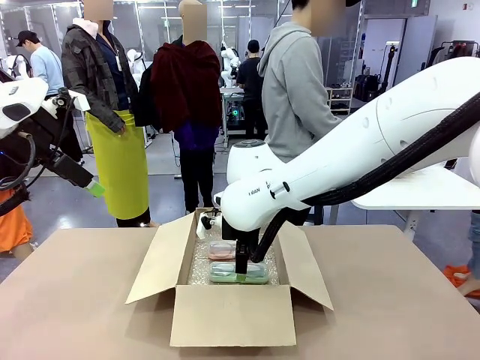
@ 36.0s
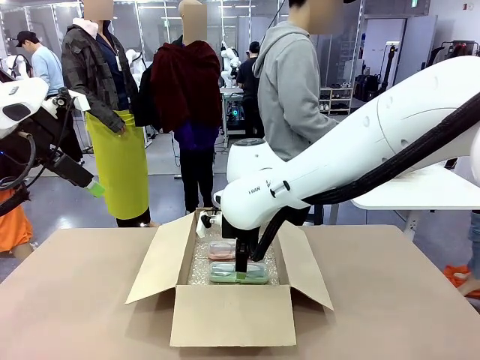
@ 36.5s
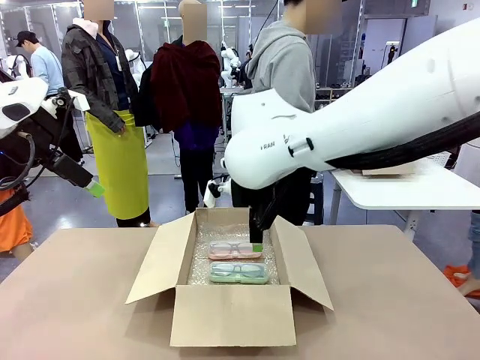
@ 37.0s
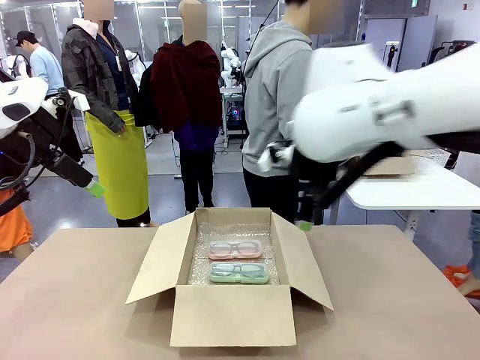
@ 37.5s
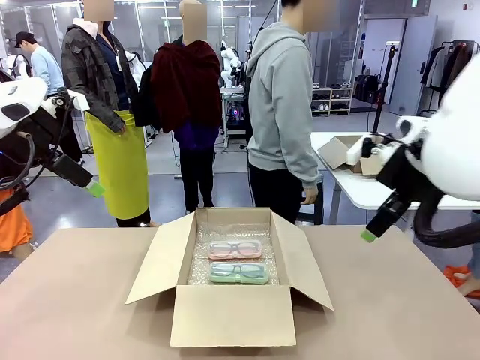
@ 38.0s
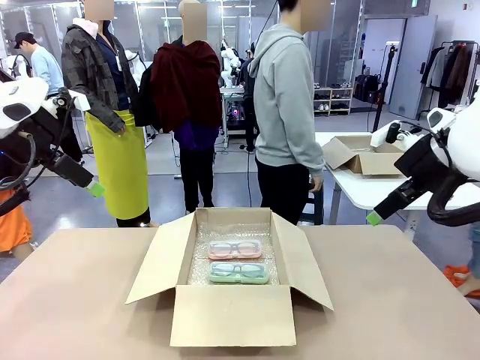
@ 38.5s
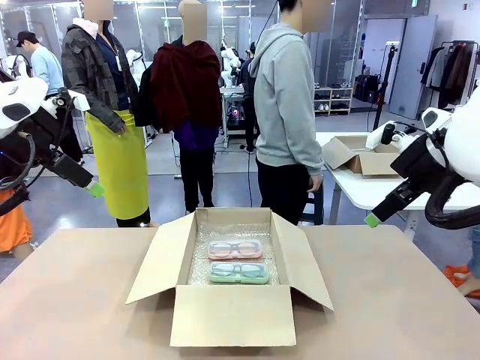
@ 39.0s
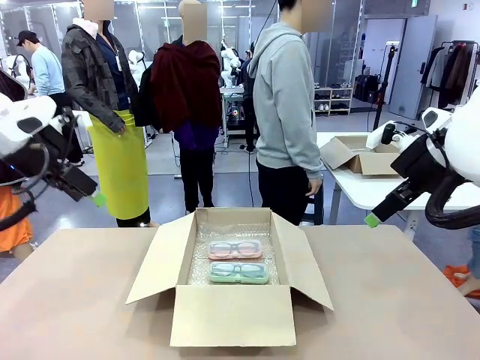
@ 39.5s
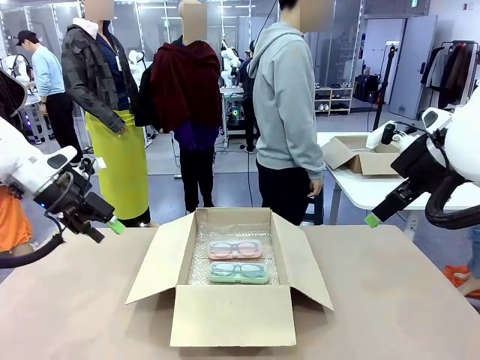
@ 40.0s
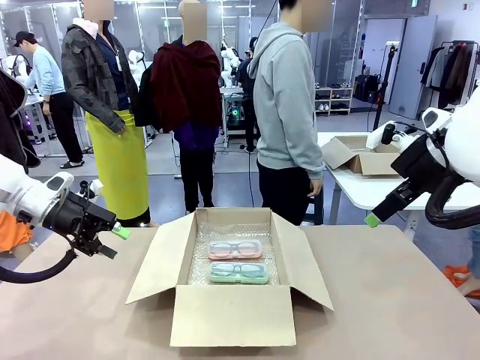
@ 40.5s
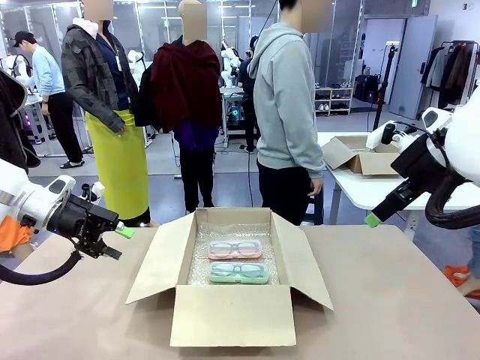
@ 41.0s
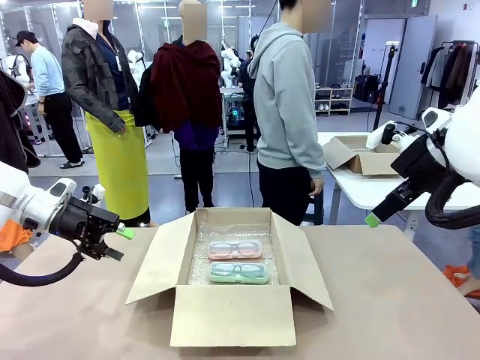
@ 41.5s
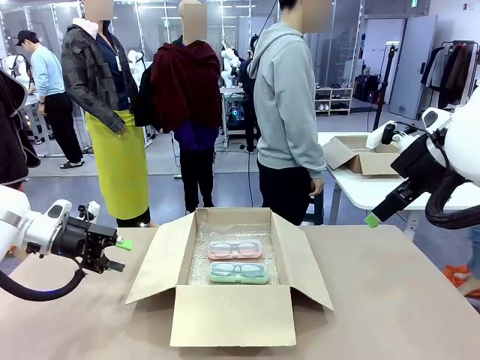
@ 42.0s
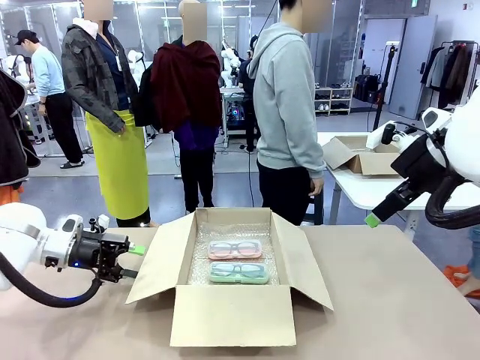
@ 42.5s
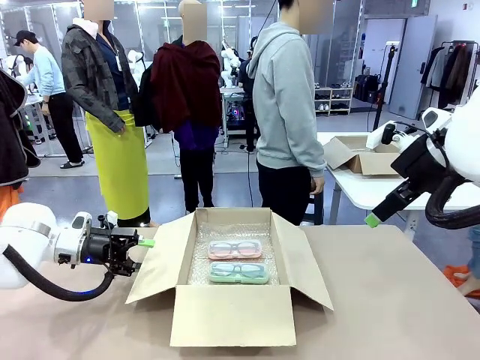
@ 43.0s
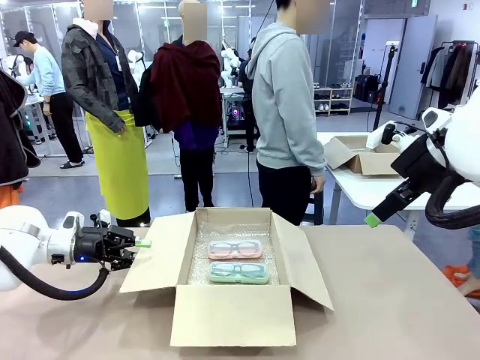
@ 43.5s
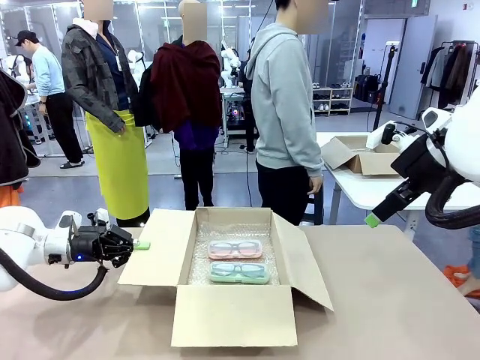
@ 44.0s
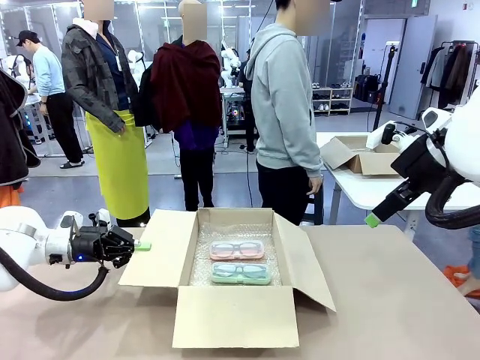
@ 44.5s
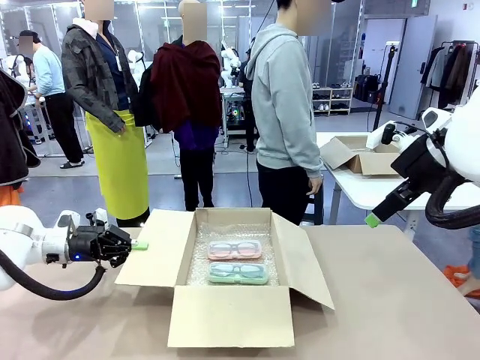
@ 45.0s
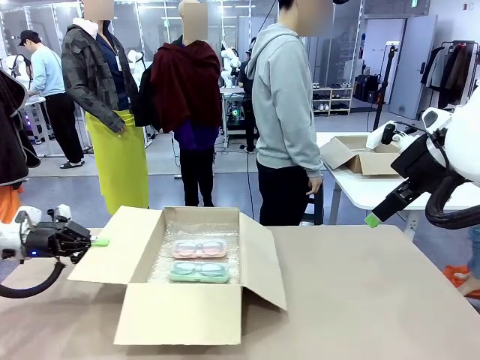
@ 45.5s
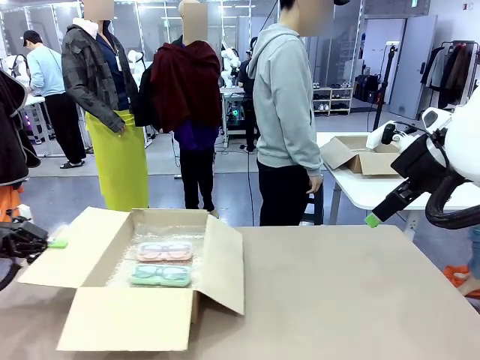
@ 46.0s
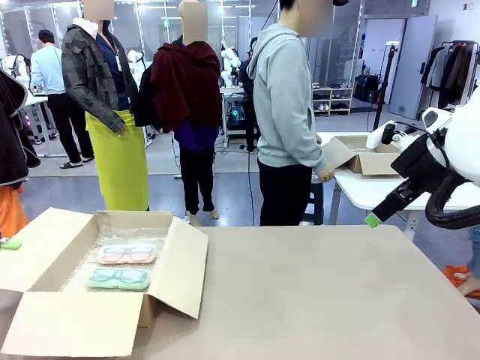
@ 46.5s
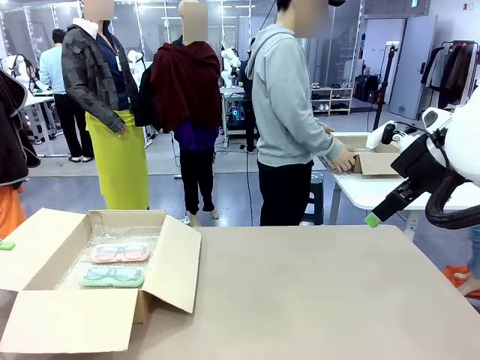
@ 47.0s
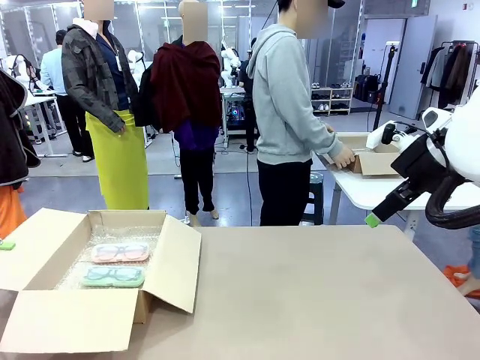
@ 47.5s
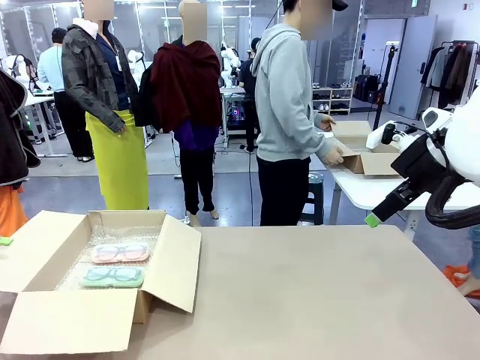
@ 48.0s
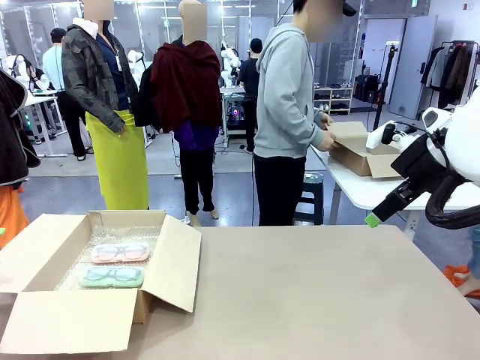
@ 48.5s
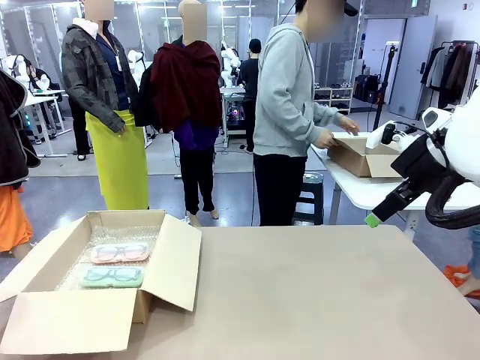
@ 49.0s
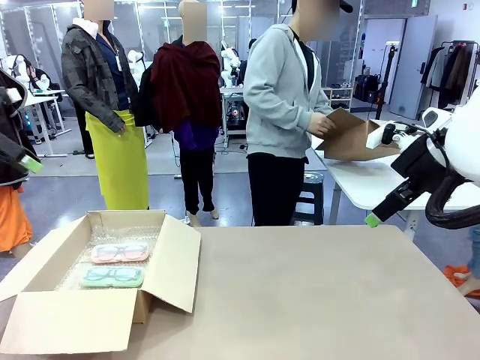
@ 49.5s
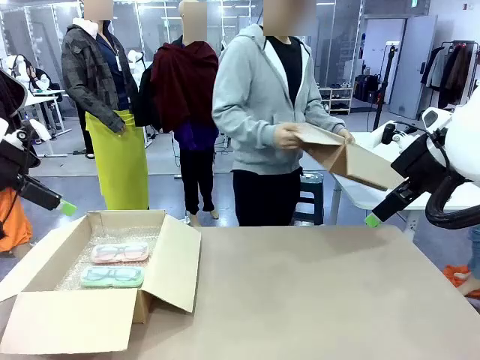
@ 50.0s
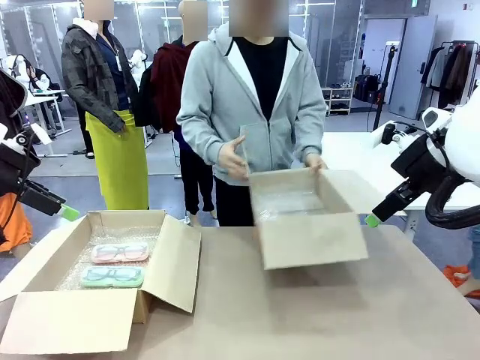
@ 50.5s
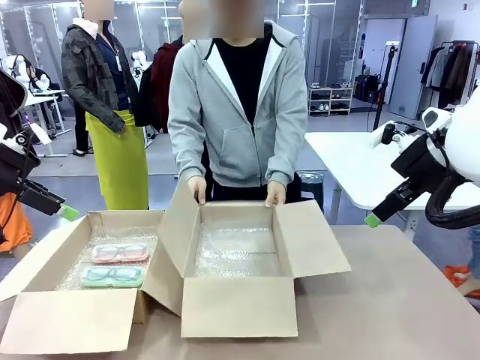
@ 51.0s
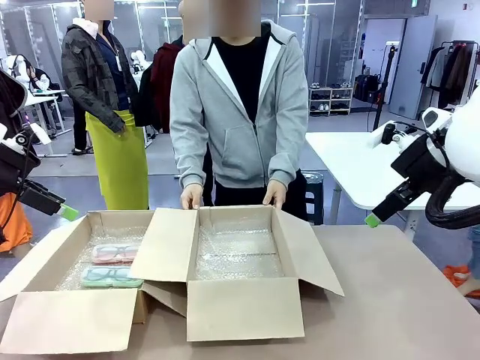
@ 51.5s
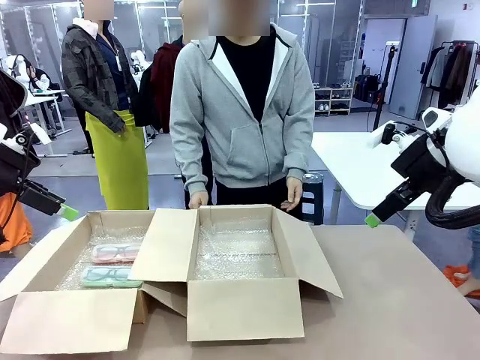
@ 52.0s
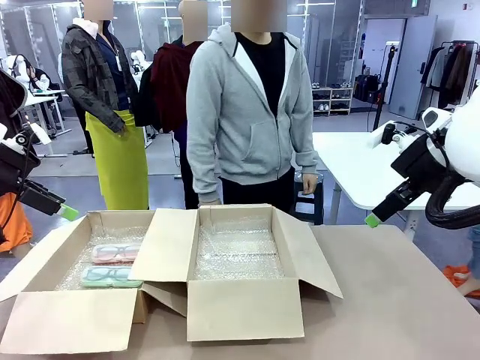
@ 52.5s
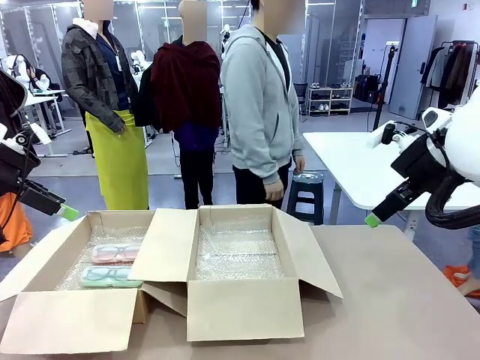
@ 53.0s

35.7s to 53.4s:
Task: Pack the glasses set securely to prepare it for shipping.
Robot: Position the Package Box on the left side of the table.
Person: Position the empty Package Box in the middle of the robot's table.

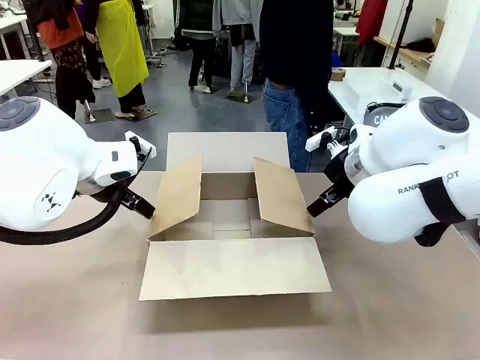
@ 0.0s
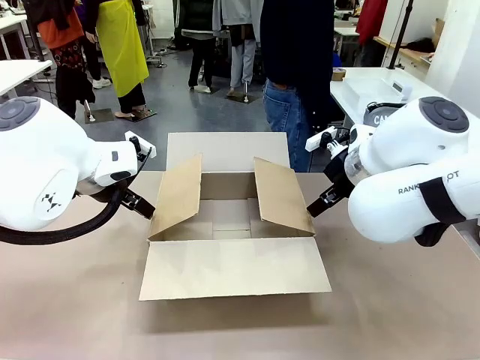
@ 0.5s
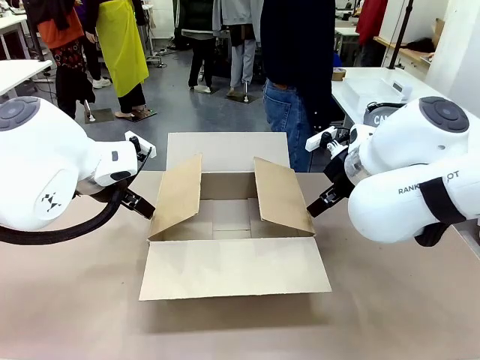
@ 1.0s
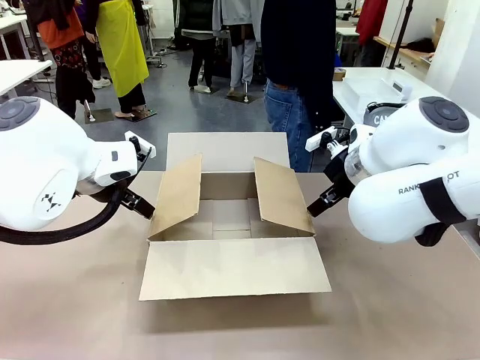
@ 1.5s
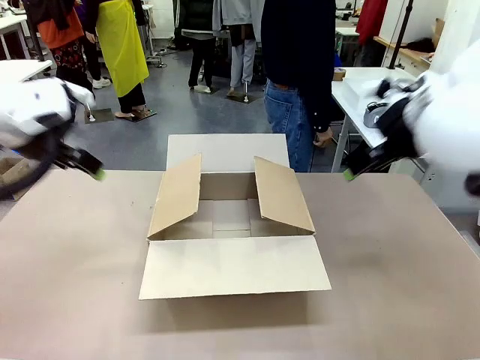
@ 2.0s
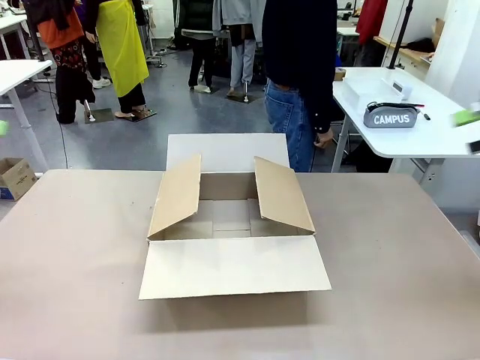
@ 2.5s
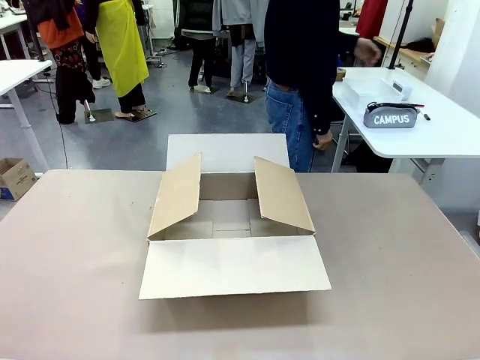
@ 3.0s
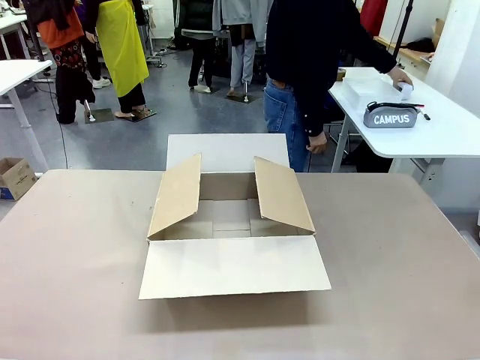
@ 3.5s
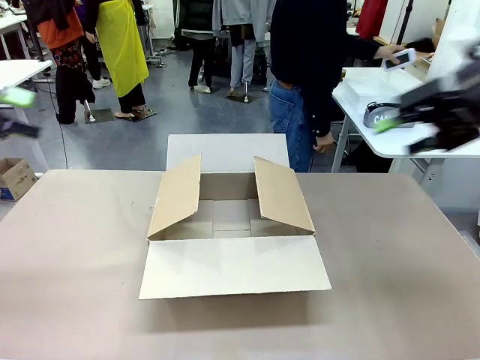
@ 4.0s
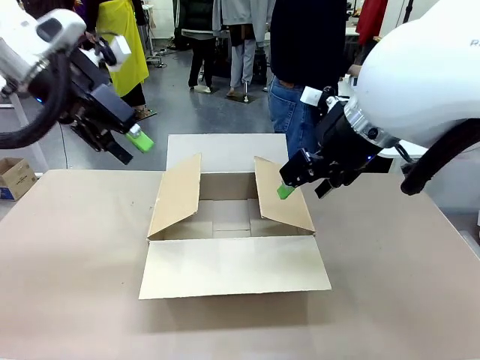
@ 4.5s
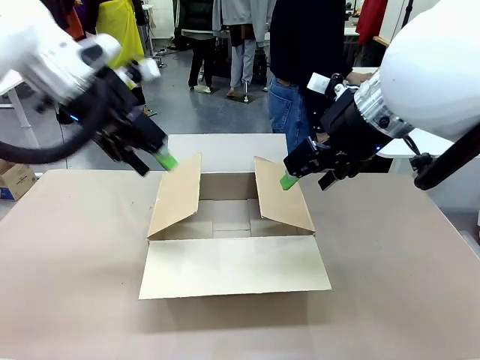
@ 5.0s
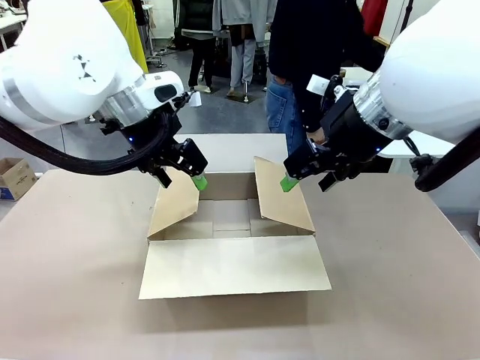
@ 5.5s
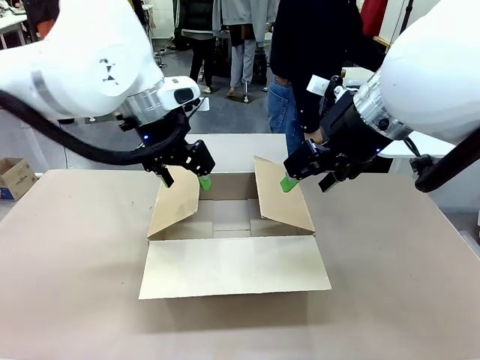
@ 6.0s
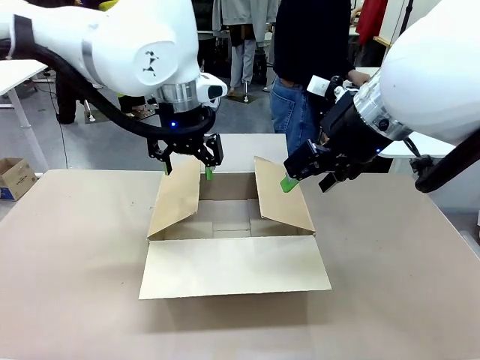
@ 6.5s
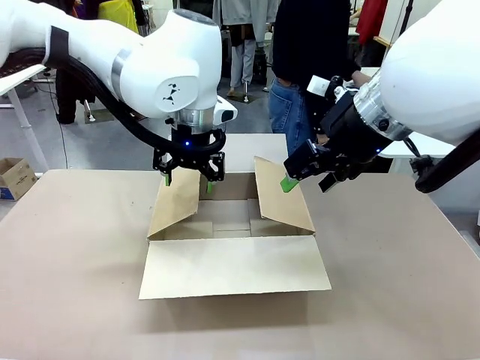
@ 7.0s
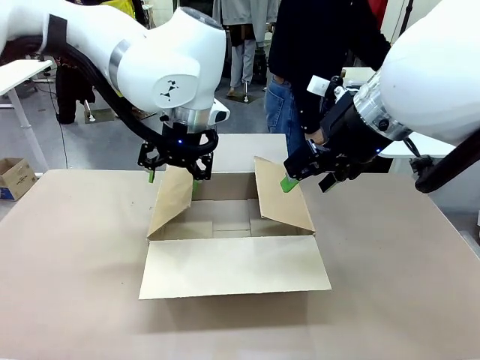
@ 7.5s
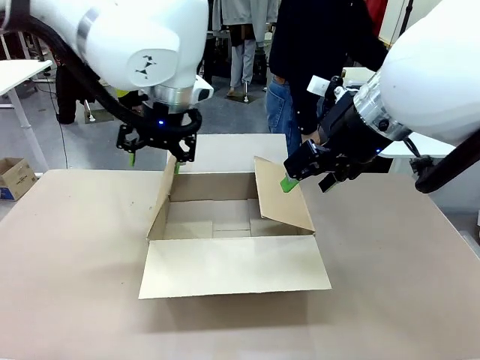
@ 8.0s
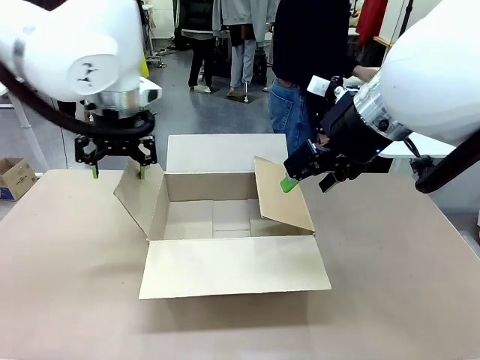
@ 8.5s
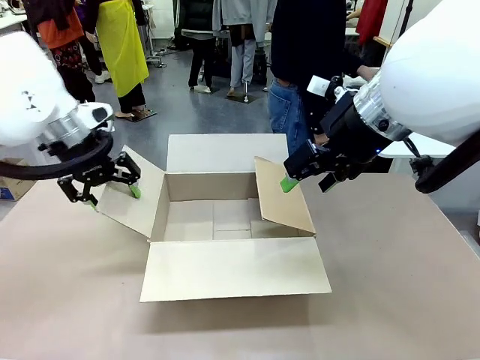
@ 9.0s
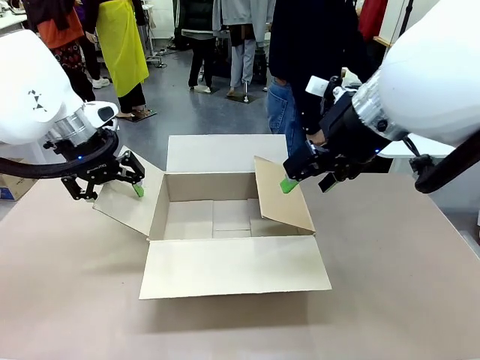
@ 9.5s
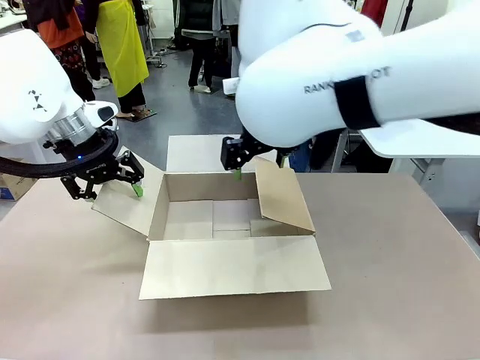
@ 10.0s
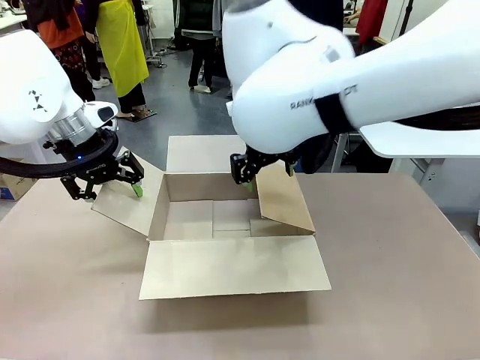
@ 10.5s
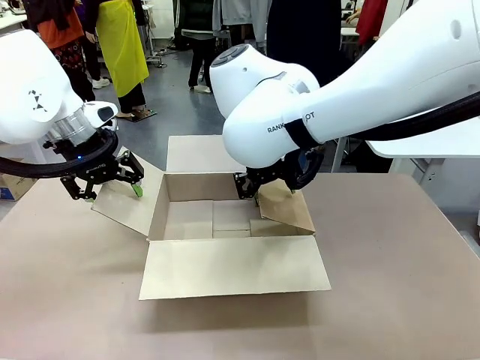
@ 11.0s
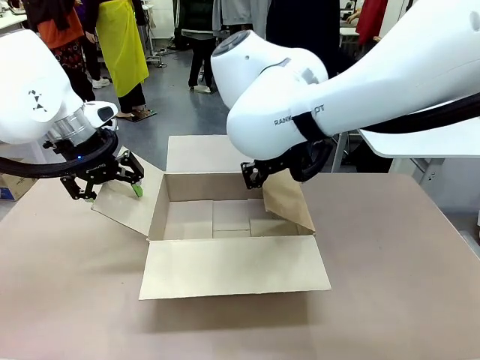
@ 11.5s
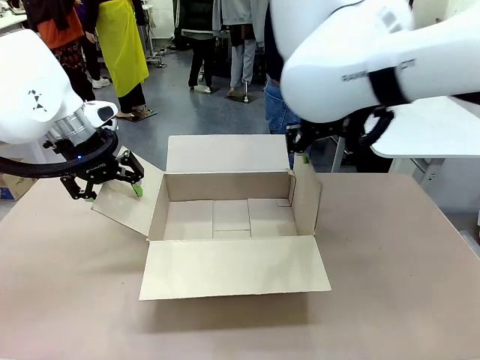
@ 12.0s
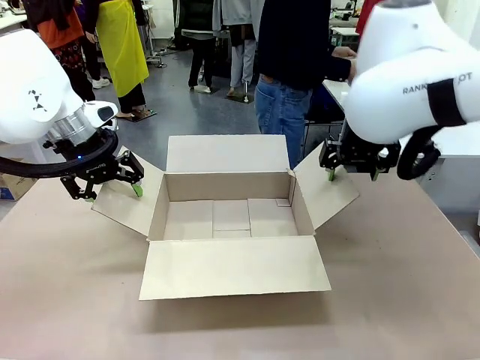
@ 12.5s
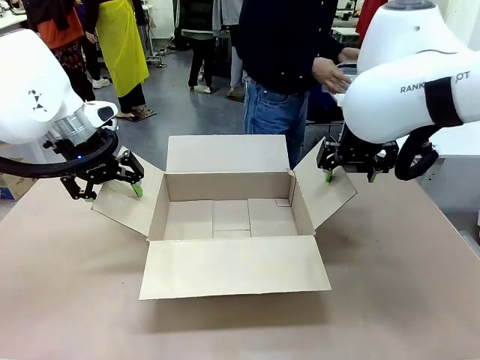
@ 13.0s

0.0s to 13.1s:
Task: Pack the gift set into the box.
Robot: Place both hands on the side flaps of the Package Box and spread them outward.
Person: The human places all items except the paper tape into the organizing basket.
